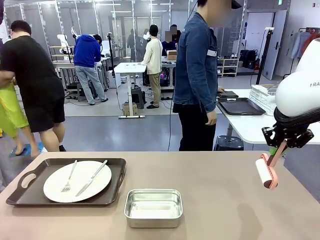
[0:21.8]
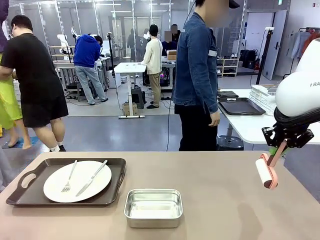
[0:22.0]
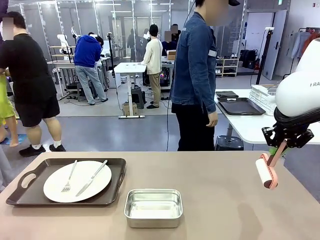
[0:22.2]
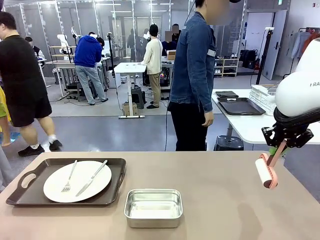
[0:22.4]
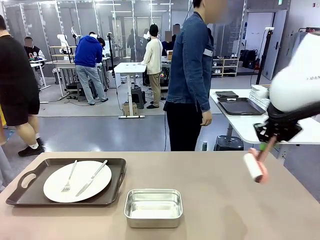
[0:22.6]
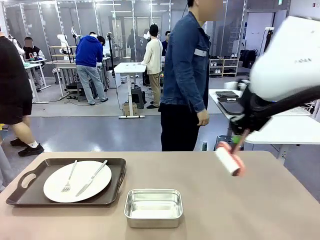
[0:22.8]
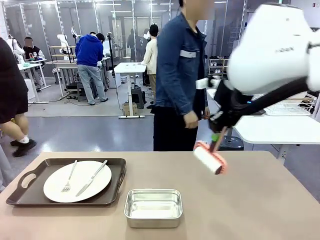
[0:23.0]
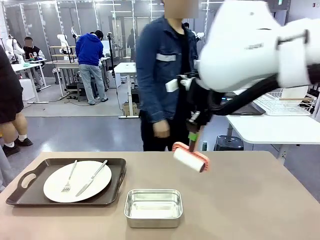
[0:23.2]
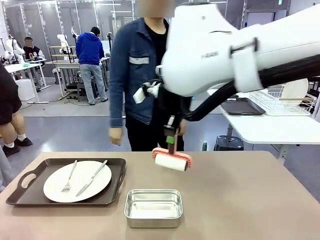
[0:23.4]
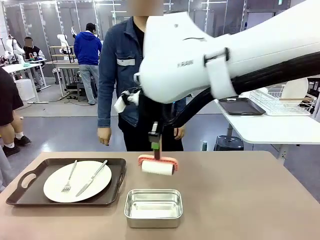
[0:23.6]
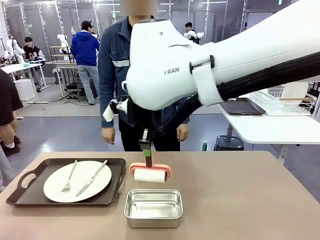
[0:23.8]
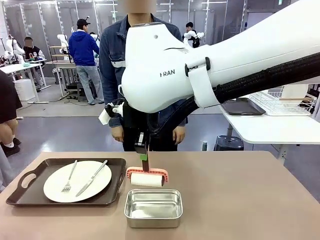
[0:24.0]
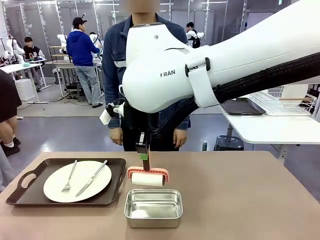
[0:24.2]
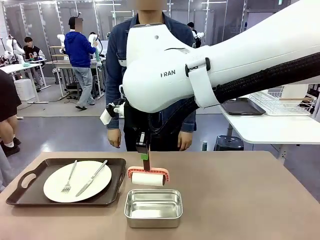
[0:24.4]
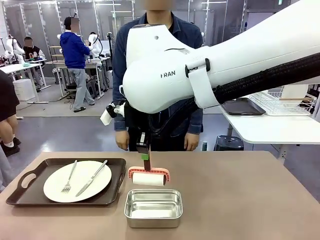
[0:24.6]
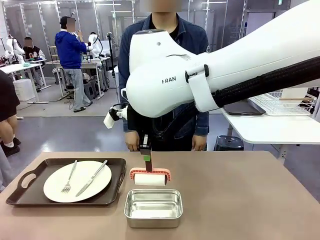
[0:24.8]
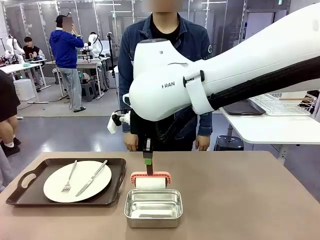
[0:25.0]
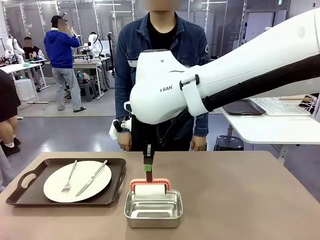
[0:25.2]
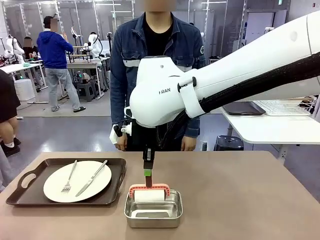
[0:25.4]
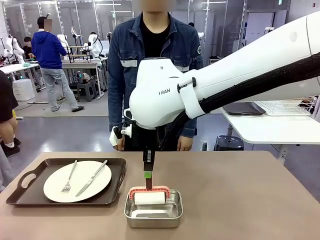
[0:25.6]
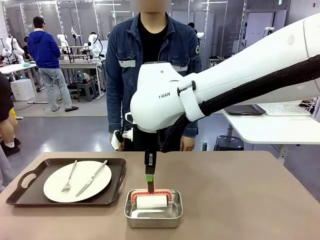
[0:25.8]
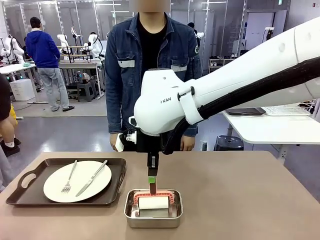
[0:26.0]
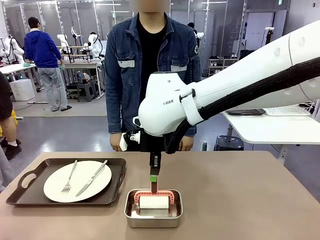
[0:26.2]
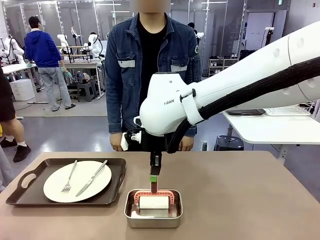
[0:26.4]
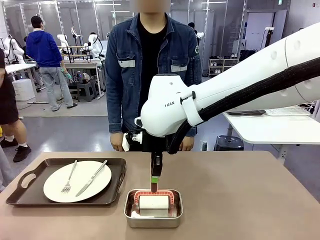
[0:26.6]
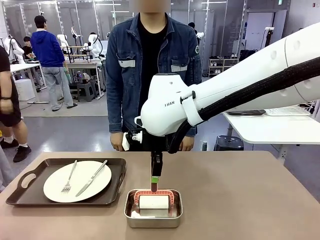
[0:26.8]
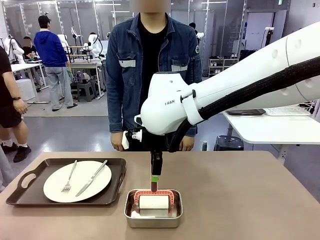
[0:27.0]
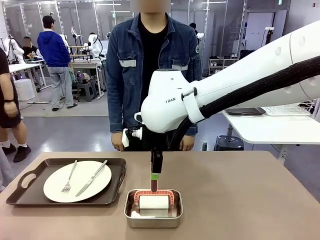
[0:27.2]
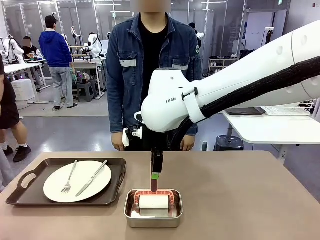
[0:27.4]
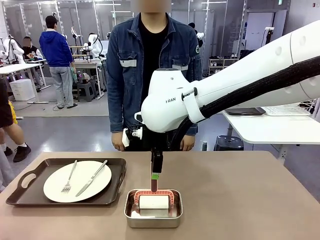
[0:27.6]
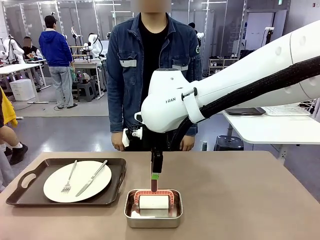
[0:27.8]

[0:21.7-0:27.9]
Robot: Place the Lint Roller back on top of the Airtight Container.

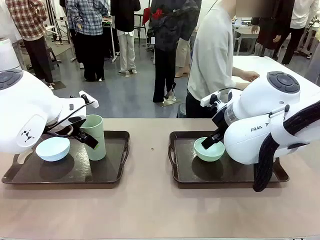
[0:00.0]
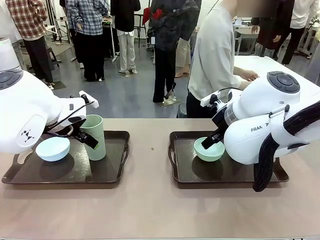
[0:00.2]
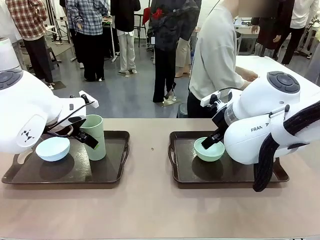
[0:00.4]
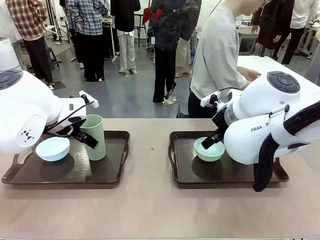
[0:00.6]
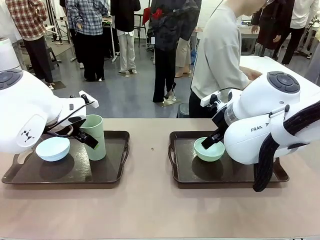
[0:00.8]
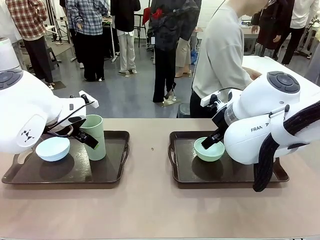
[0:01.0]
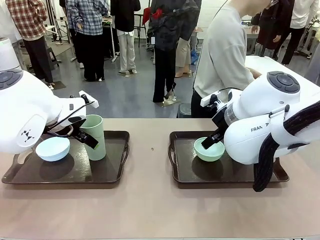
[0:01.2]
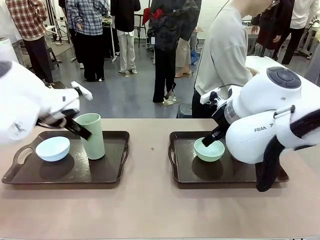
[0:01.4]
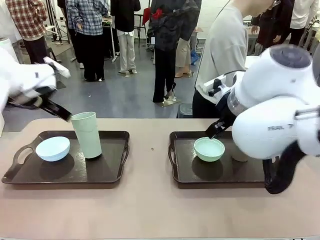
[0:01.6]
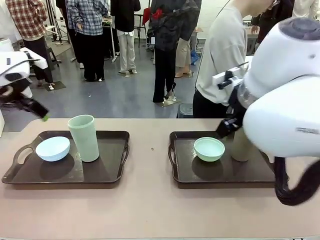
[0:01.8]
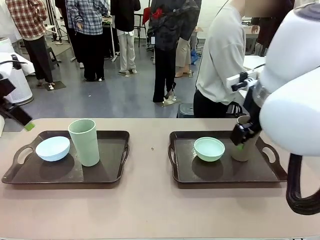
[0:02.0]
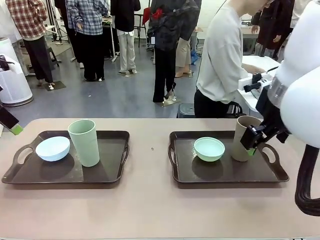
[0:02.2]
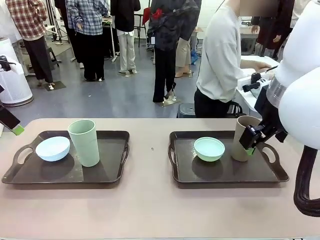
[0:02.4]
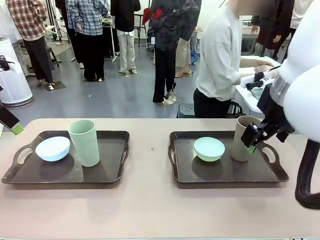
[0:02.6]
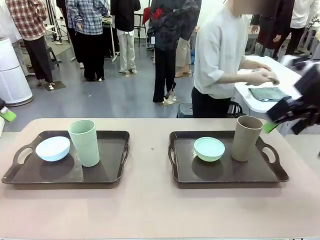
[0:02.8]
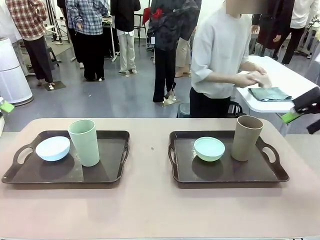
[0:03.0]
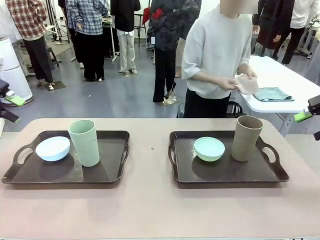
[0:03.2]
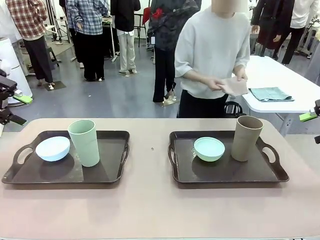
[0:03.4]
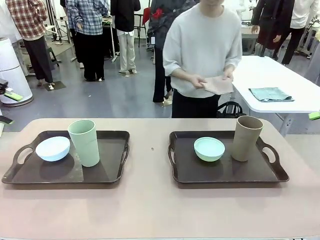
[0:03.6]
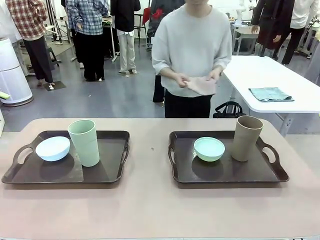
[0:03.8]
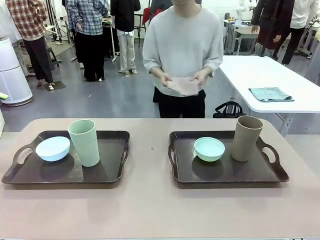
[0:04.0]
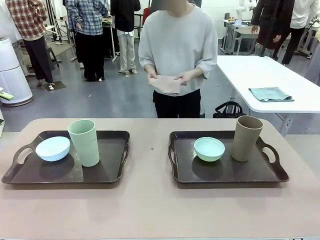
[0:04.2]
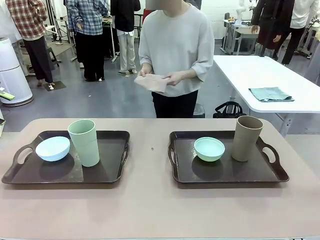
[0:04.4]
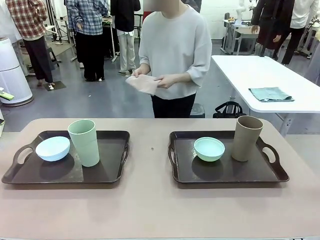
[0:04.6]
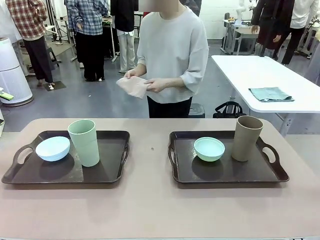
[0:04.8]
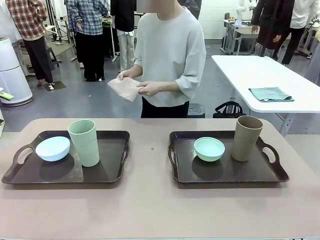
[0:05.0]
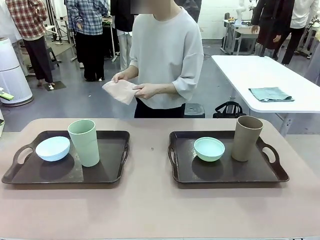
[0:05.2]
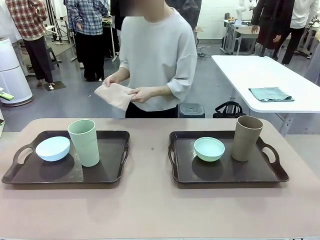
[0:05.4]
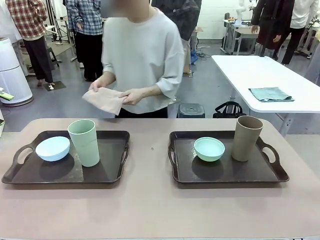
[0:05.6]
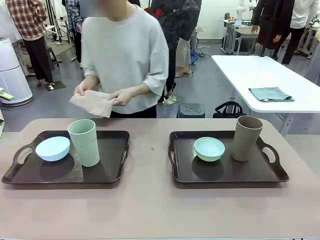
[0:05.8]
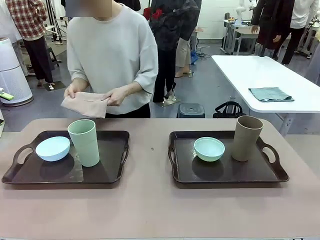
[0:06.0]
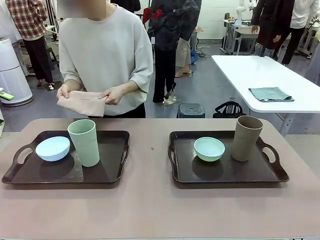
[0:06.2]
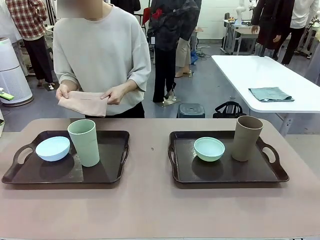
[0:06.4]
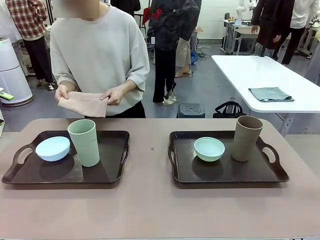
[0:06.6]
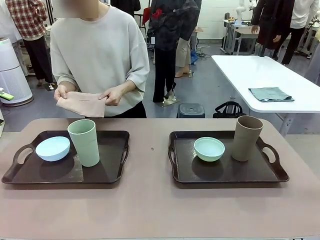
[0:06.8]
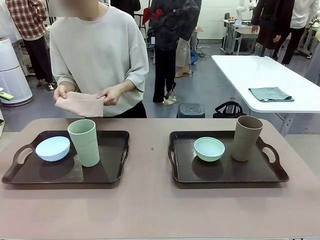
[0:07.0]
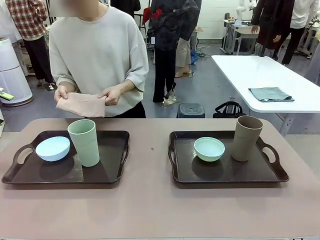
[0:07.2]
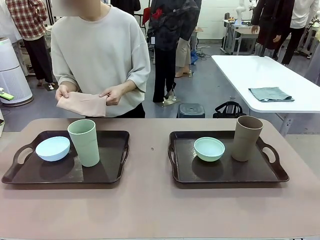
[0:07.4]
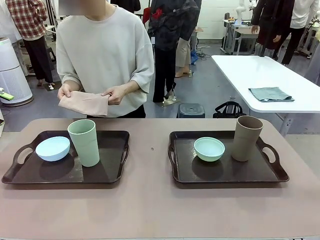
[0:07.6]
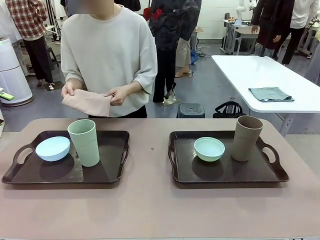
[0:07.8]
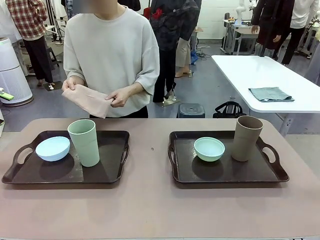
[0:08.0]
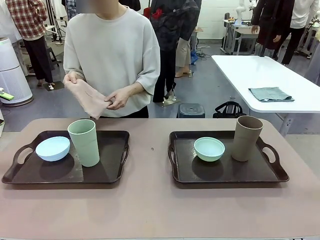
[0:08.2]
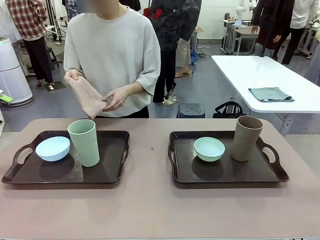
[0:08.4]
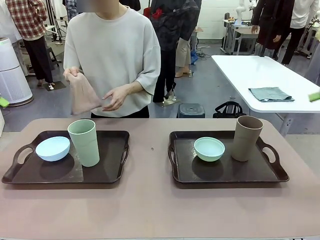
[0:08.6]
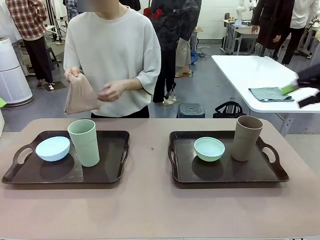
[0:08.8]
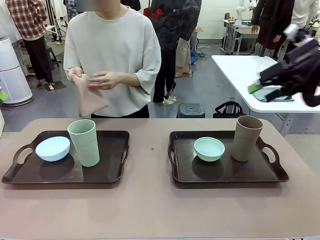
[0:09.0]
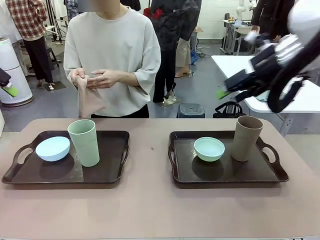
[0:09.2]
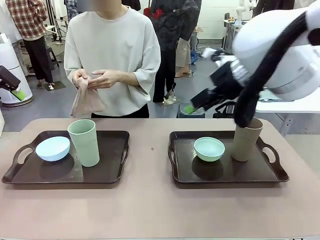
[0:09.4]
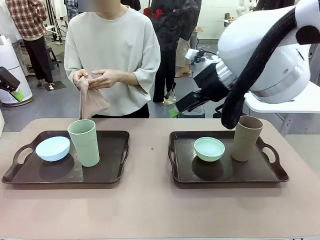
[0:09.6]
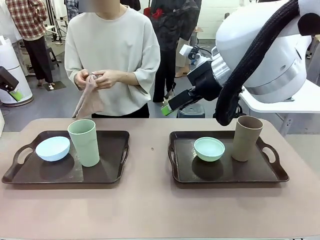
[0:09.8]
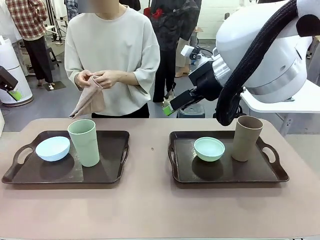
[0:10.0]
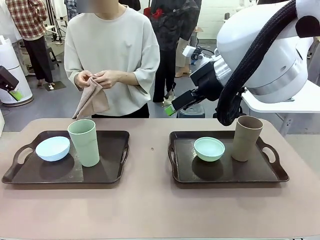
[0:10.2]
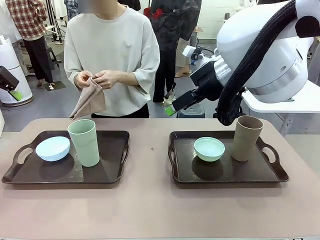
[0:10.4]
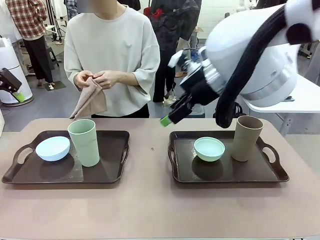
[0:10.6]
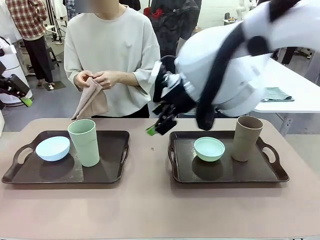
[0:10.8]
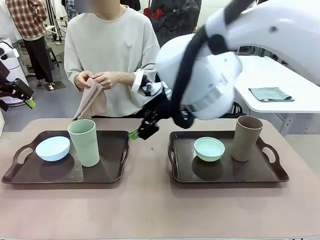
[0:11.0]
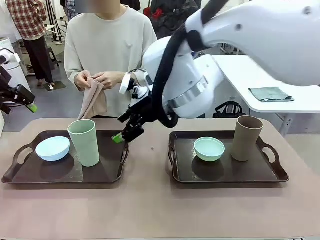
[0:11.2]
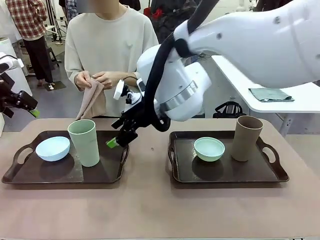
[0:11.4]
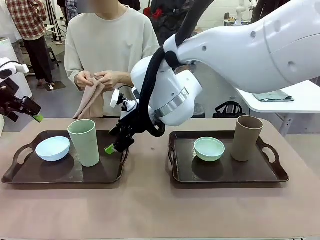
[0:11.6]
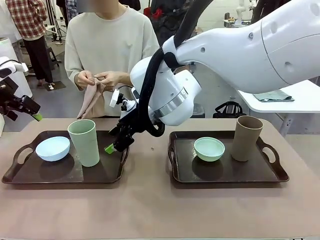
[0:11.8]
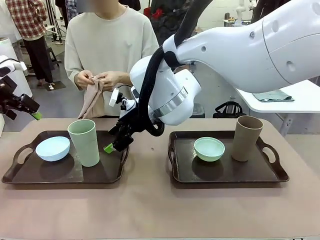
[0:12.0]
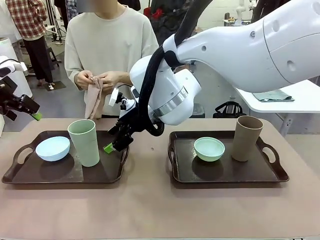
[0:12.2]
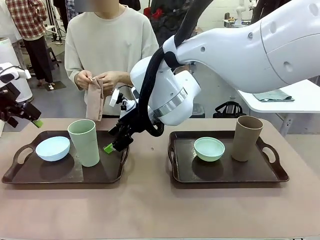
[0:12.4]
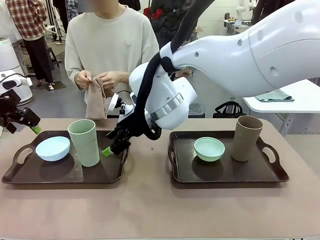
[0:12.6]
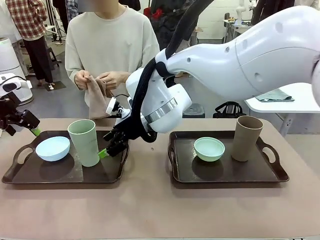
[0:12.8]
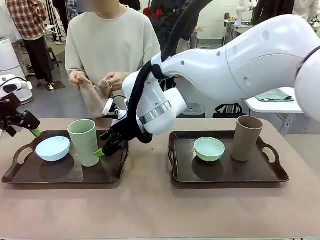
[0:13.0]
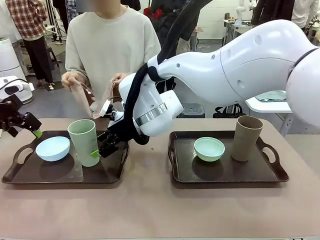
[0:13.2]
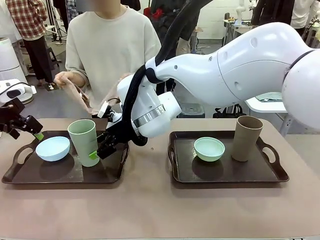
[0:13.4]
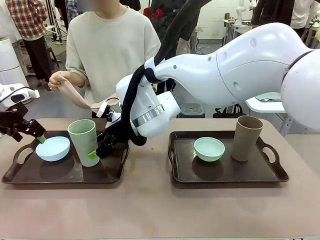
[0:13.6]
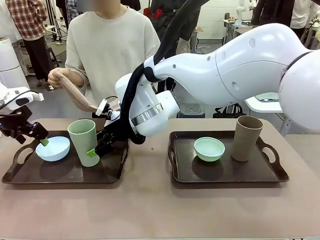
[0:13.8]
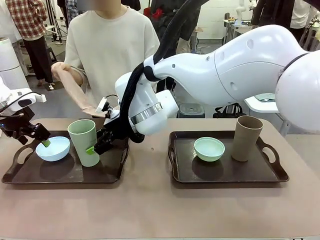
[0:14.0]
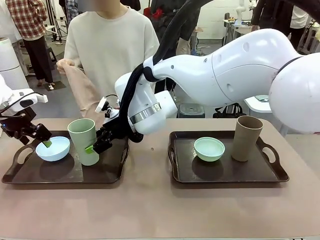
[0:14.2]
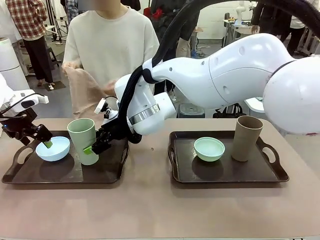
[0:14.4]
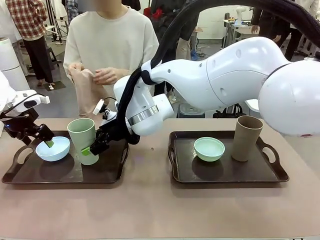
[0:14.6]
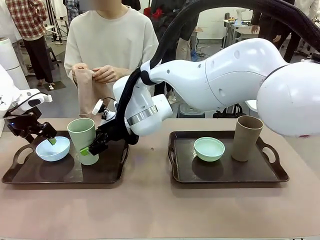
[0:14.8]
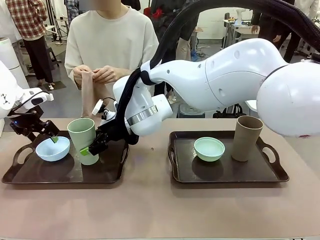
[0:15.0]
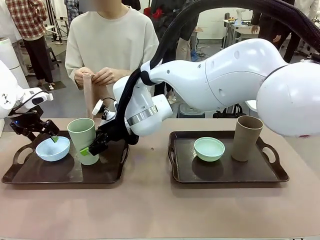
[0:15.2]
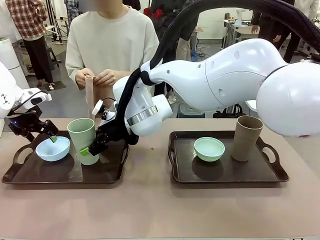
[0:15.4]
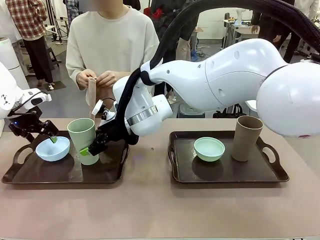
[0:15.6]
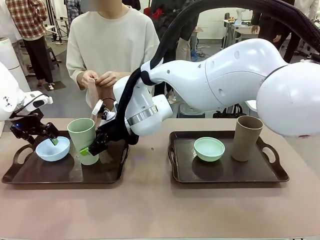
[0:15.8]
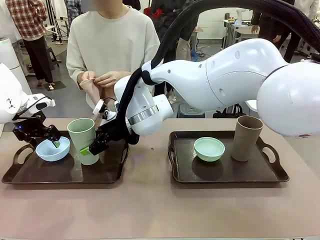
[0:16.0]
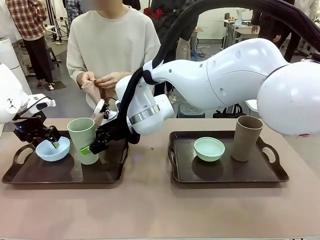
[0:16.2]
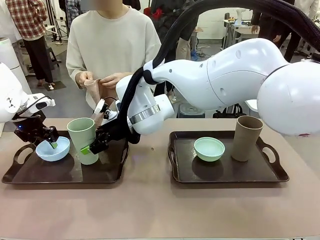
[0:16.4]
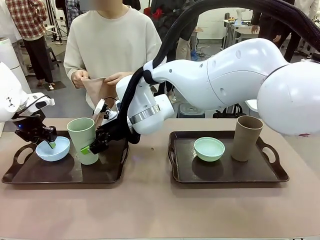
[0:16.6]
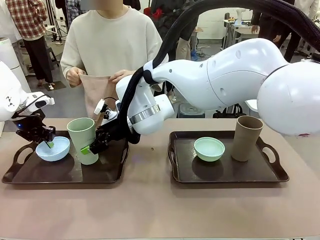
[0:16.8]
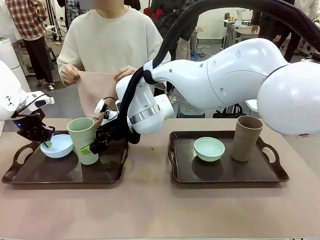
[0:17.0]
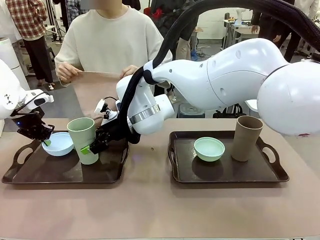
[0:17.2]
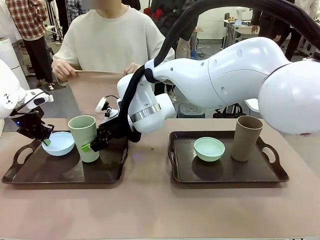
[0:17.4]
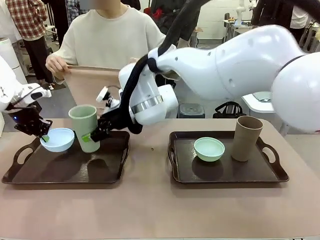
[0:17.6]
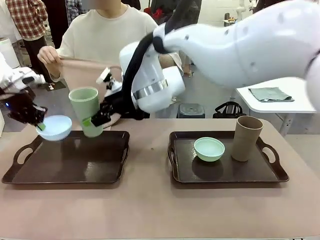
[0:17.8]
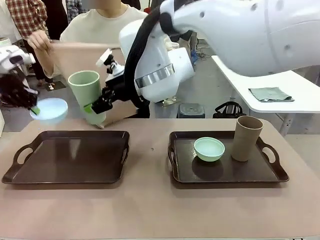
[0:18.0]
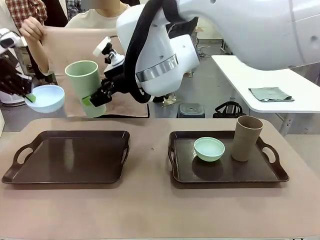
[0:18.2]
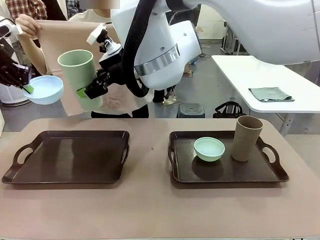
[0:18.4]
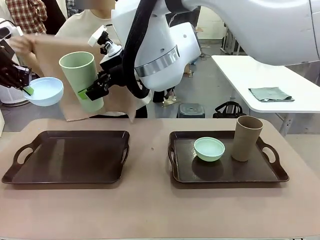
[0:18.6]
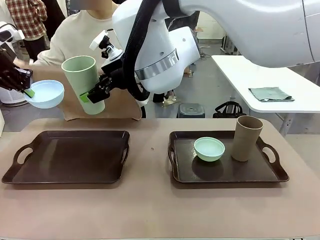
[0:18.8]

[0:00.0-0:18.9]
Robot: Pick up the Picnic Bowl and Reusable plastic cup from the Handle tray in front of the human's position and hold them in the air.
Person: The human picks up the top napkin from the stack on the human table and walks to the robot table to stand in front of one of the two trays. When the robot lifts the bowl and the cup, the human unfolds the napkin and lays the napkin flat on the tray.
